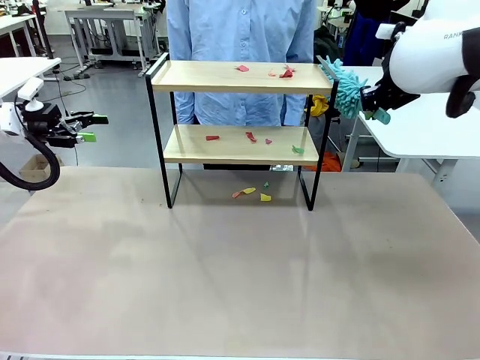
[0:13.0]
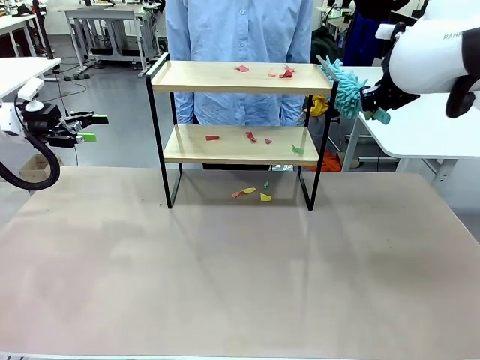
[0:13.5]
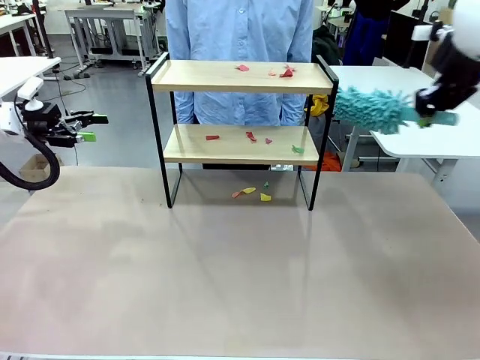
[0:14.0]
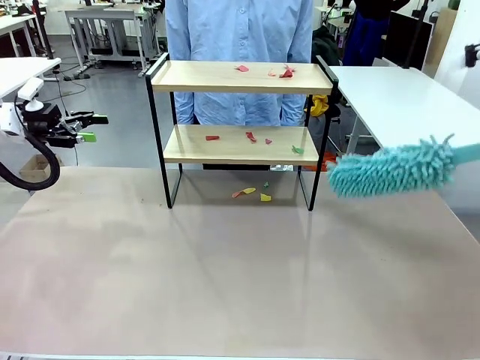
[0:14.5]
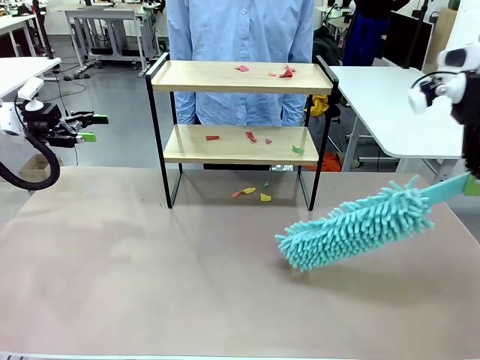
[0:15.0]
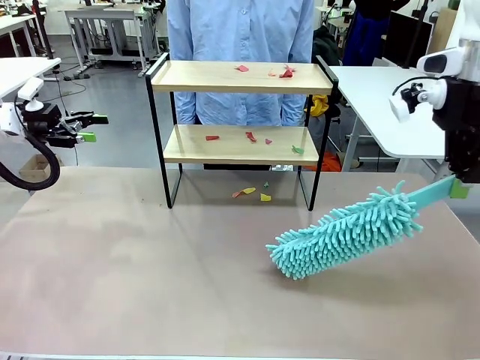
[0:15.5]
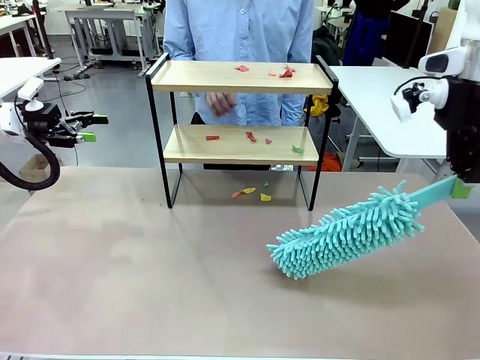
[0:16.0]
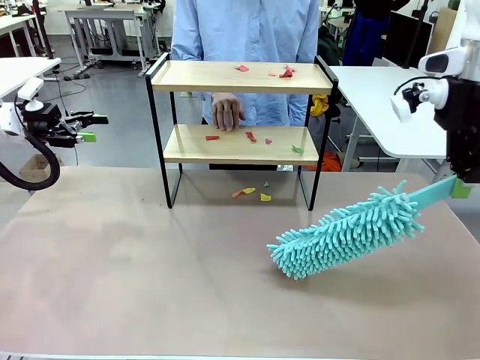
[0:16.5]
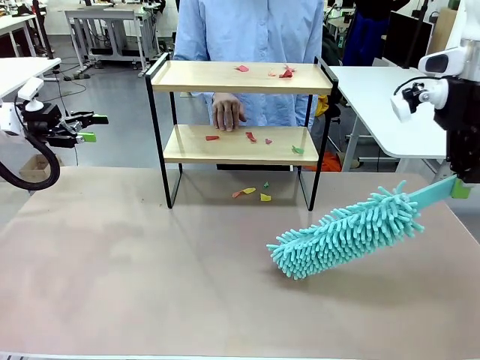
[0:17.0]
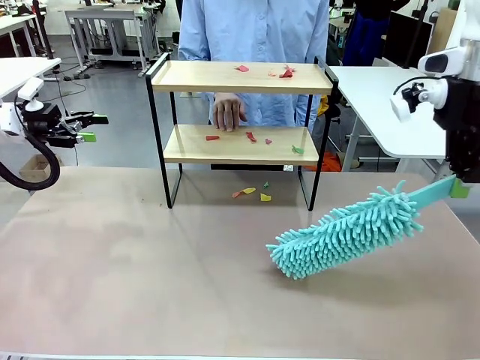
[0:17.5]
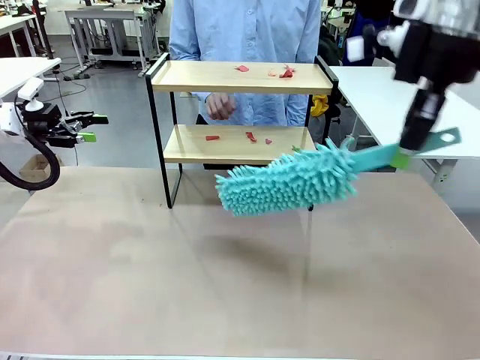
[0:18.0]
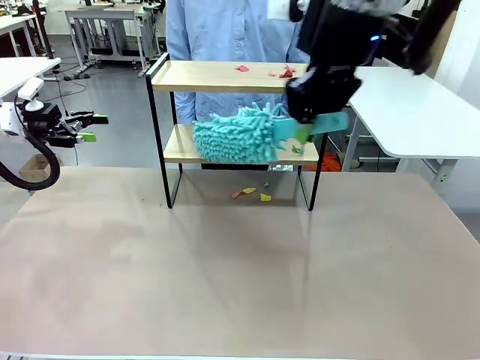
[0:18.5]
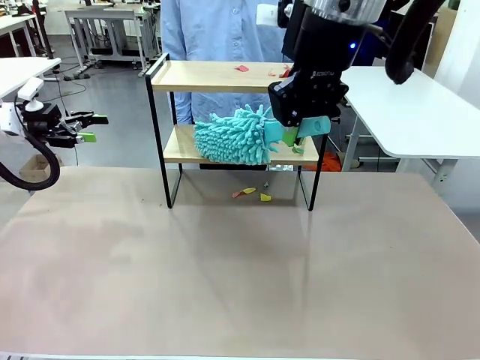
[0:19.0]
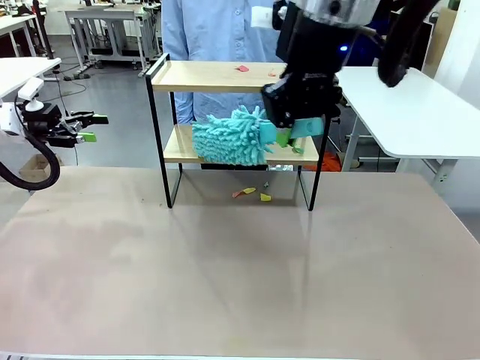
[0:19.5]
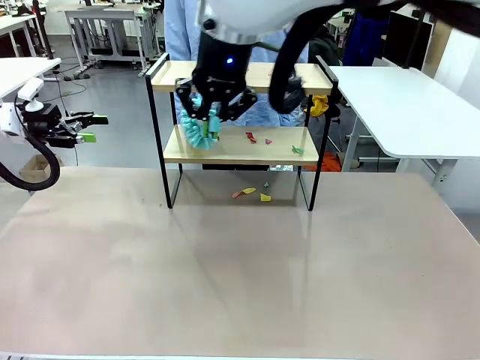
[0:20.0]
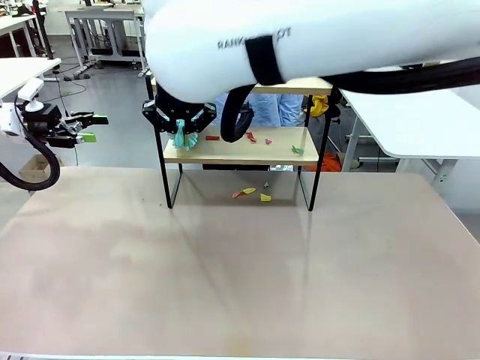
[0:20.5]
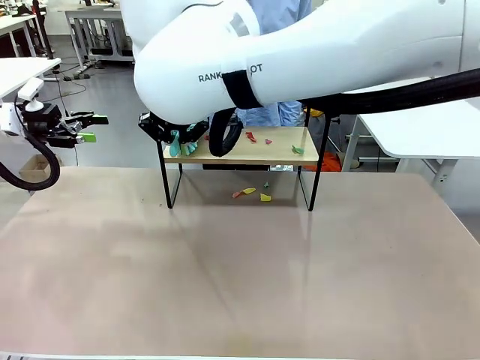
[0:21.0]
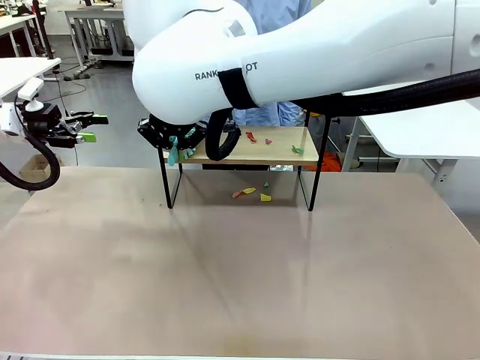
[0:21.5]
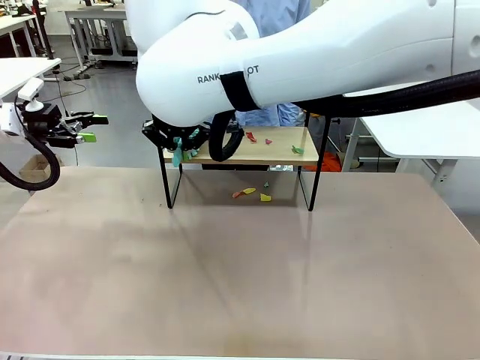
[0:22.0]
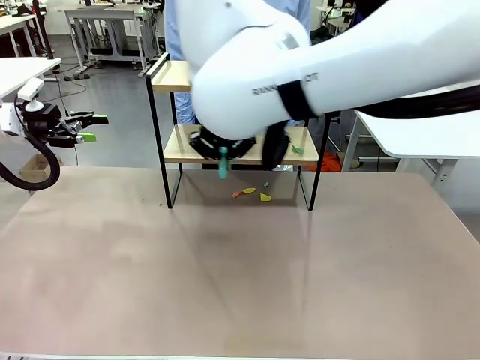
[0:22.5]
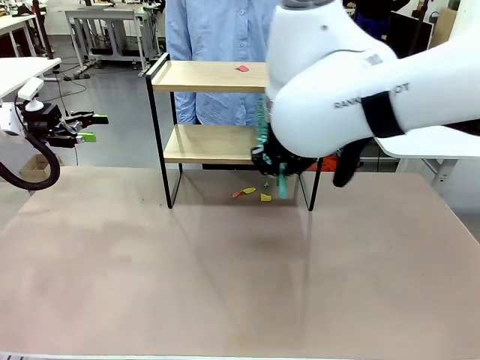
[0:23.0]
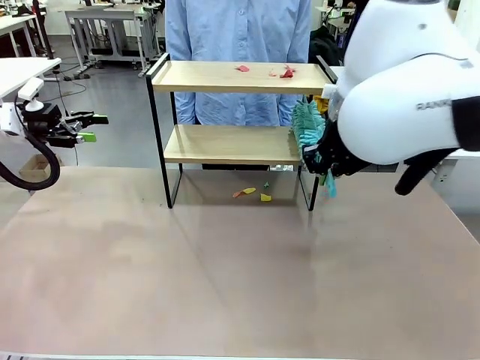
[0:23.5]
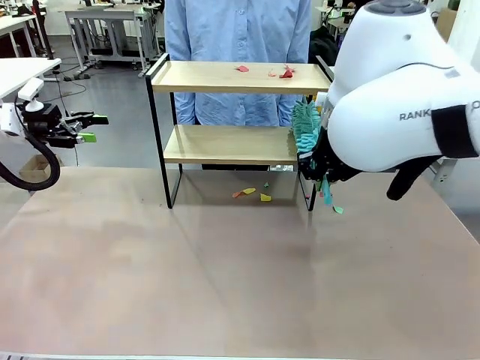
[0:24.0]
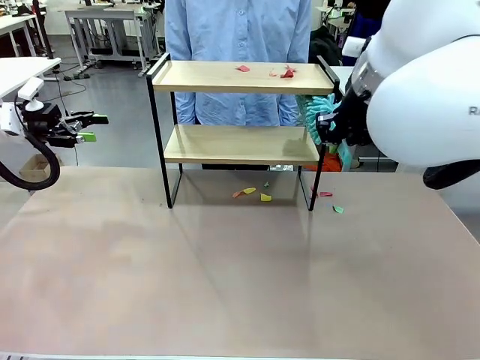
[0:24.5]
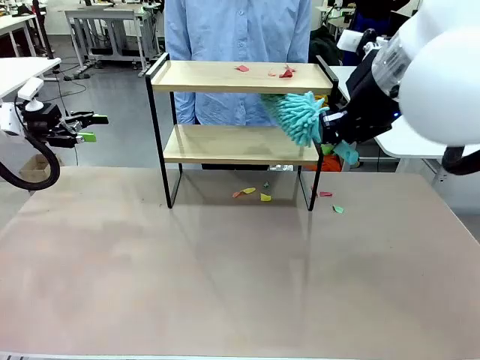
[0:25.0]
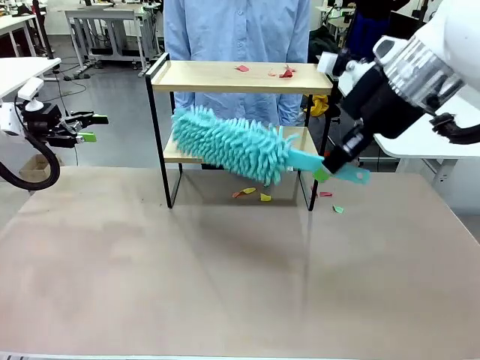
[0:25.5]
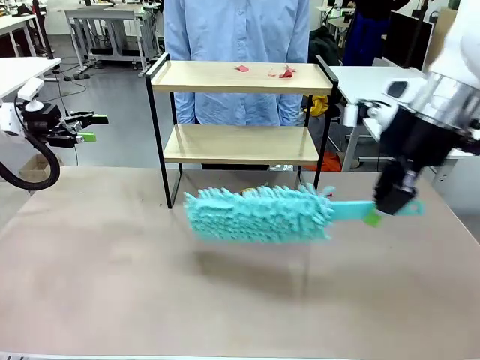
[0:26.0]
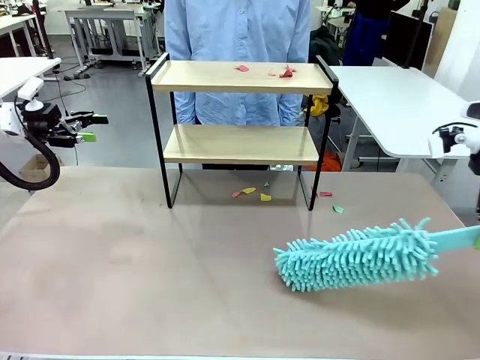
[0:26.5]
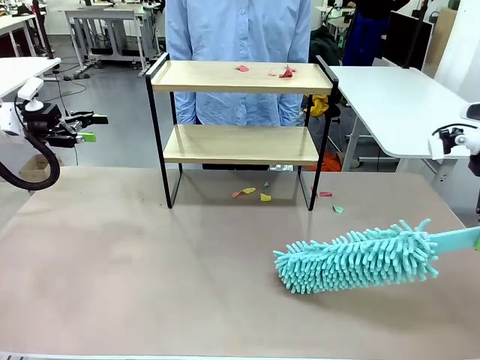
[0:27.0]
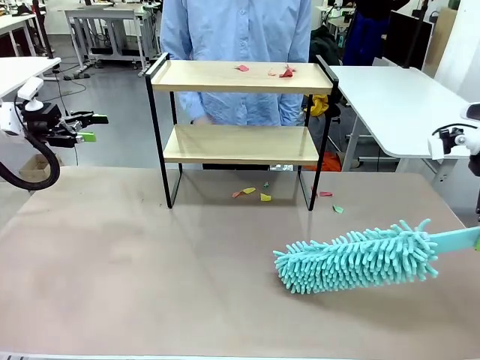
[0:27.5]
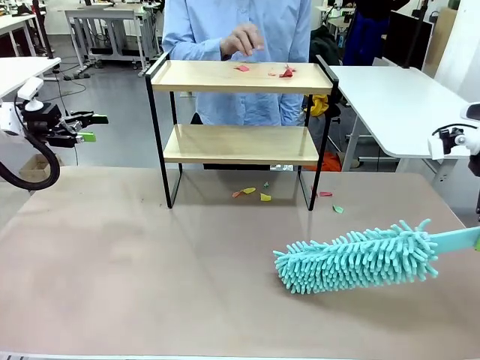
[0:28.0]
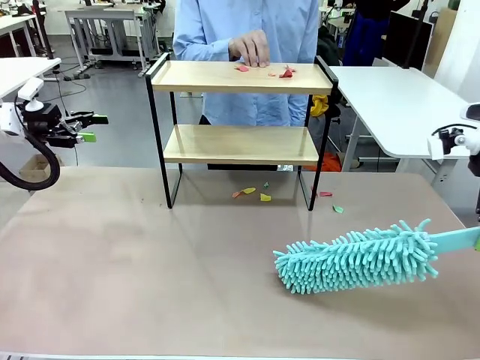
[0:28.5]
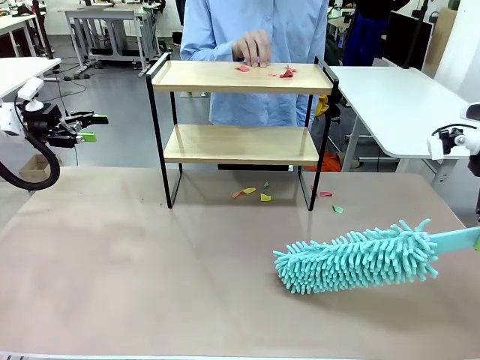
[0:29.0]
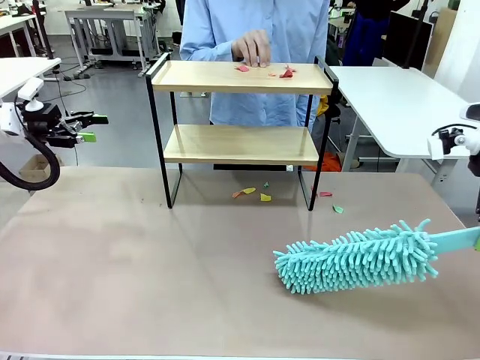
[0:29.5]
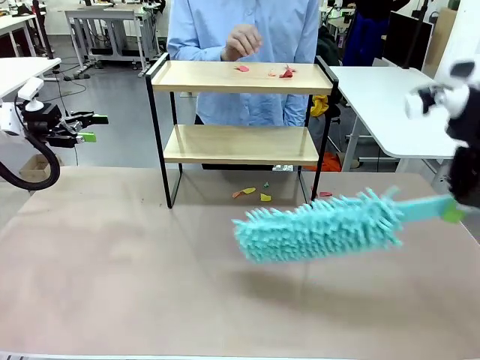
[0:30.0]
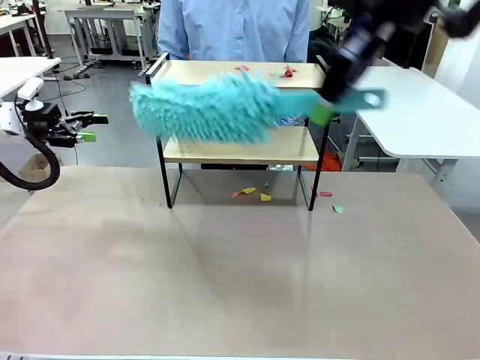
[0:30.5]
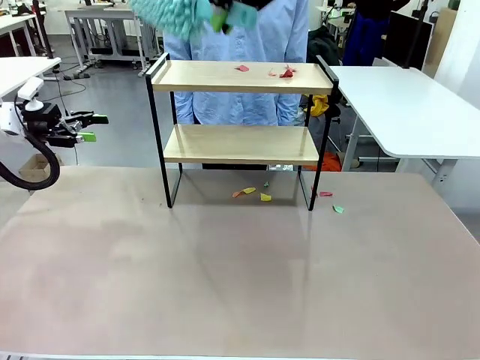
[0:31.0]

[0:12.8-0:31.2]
Task: Clean the shelf.
Robot: Clean the specific section of the Shelf indicated by the human with the Duster.
Person: Point a random section of the Shelf.

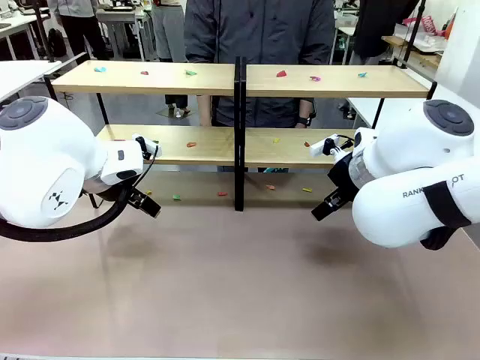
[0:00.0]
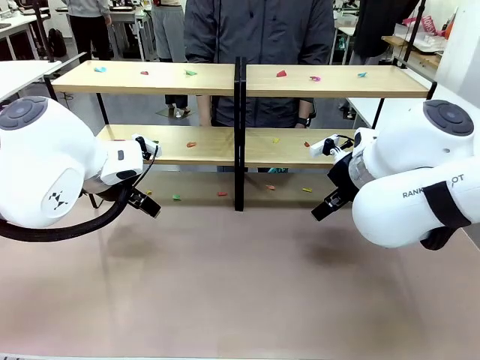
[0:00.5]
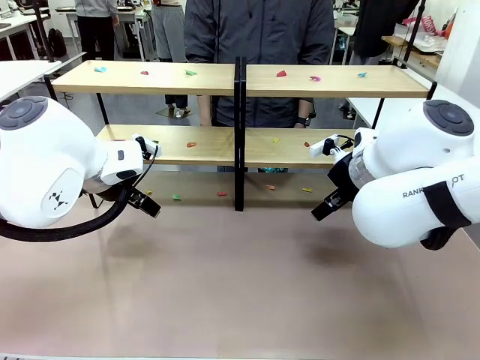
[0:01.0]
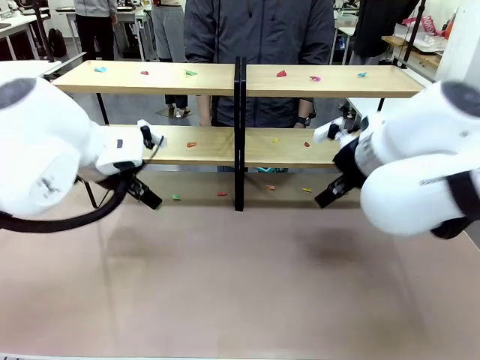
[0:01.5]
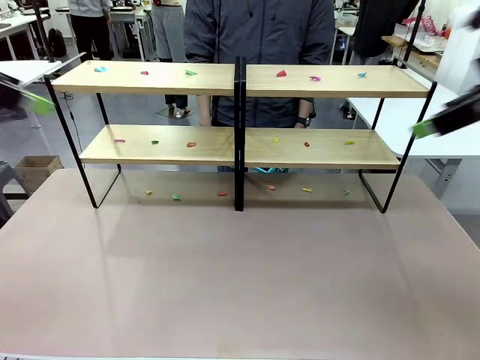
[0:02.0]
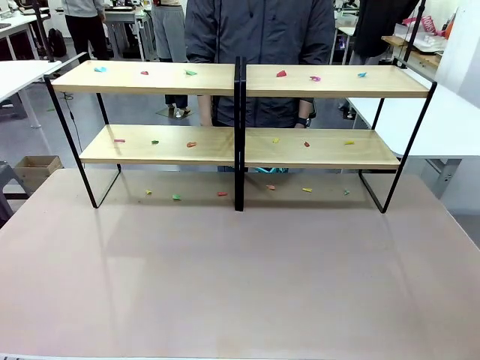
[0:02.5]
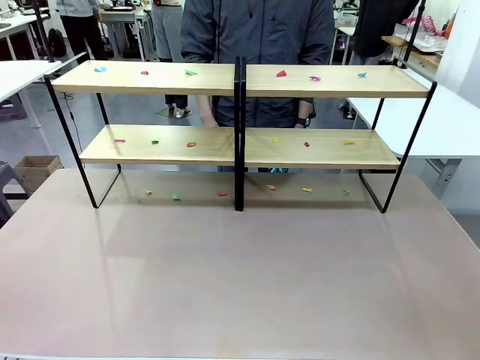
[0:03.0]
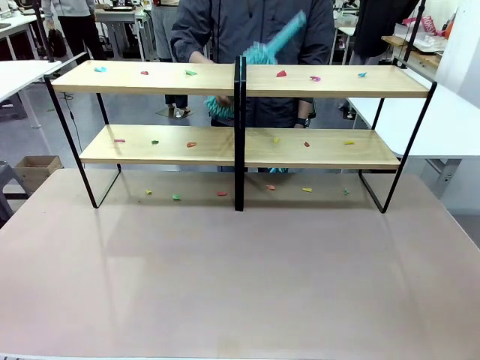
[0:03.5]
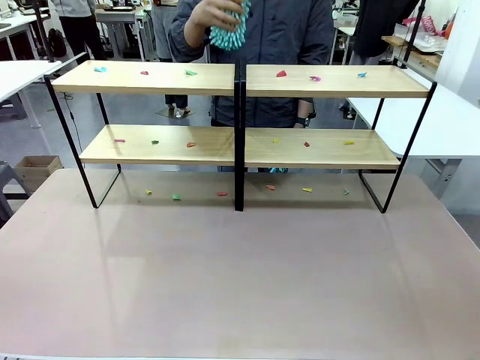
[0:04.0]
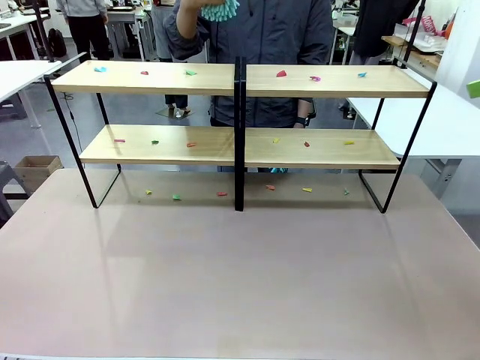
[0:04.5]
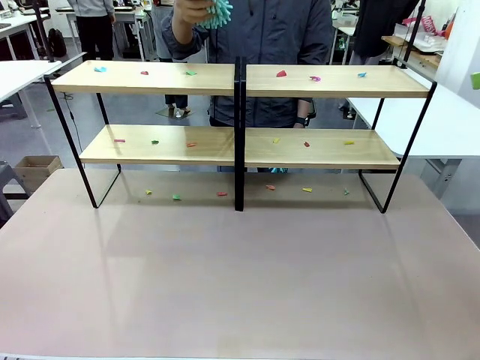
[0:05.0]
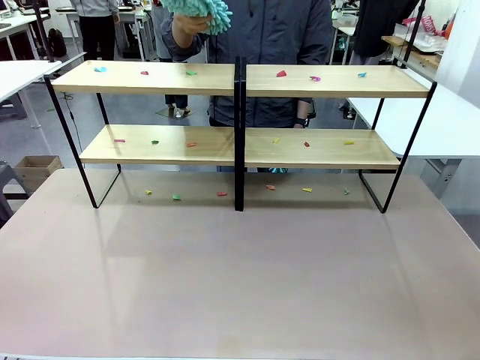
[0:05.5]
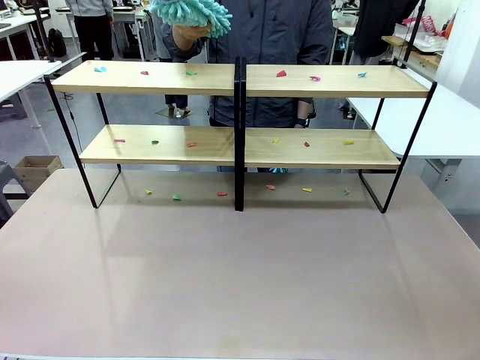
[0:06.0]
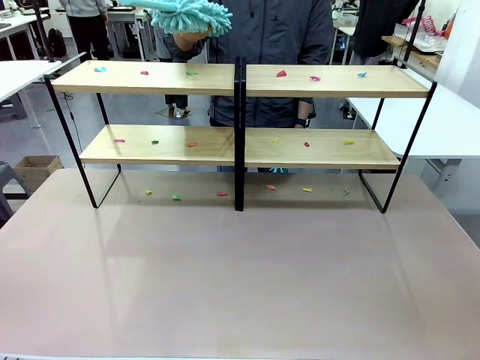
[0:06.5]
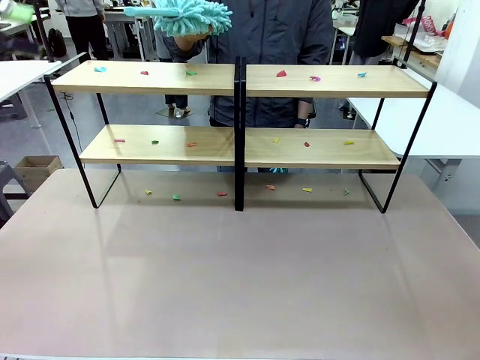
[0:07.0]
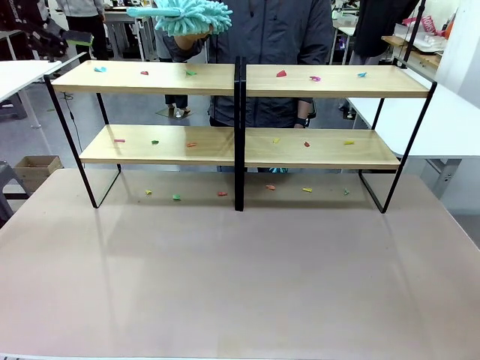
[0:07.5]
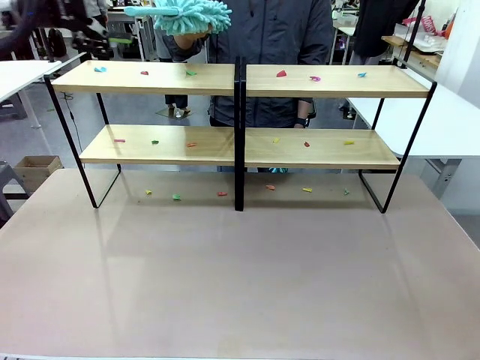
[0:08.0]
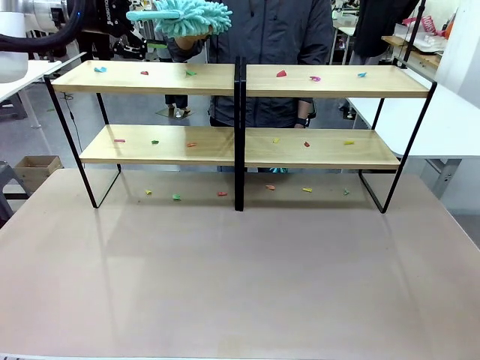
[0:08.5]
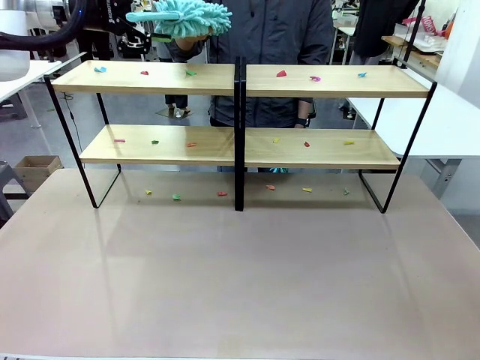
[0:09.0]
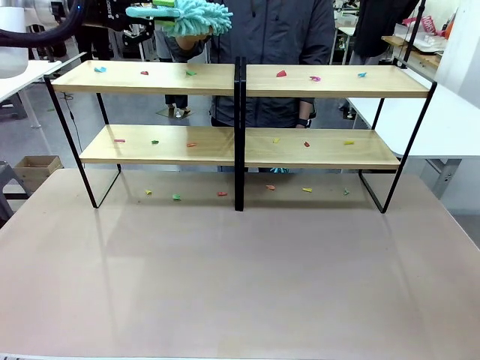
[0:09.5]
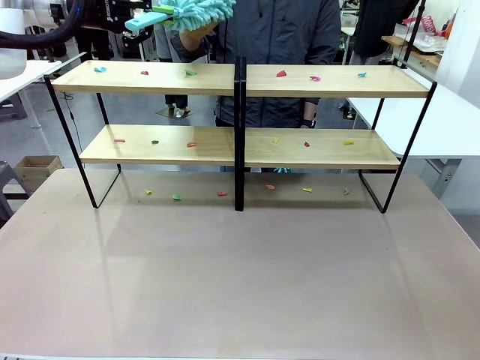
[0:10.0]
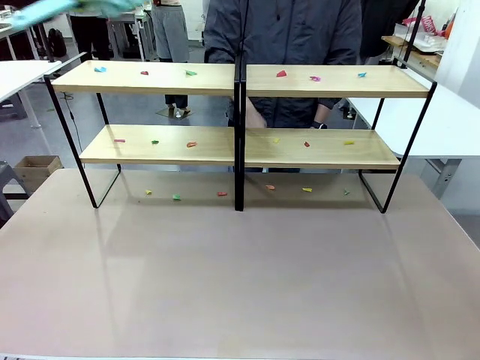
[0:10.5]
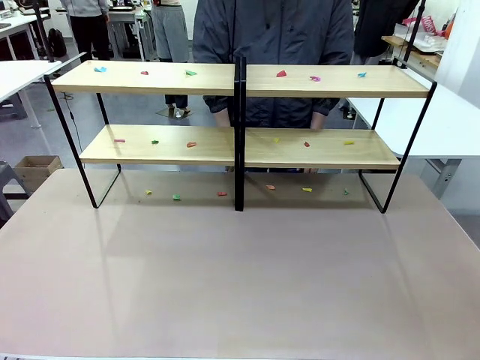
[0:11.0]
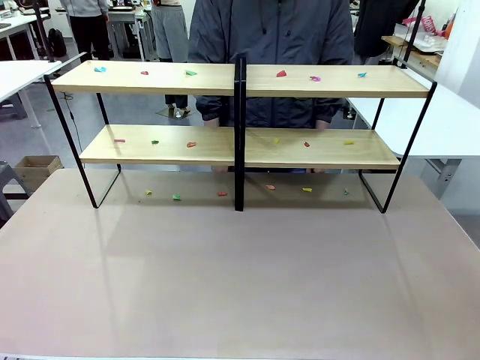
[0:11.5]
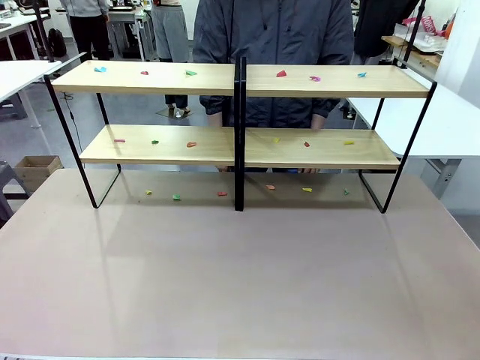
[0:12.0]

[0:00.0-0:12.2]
Task: Clean the shelves.
Robot: Pick up the Duster when the human hands it over.
Person: Hand the Duster to the robot with your right (or left) hand.
